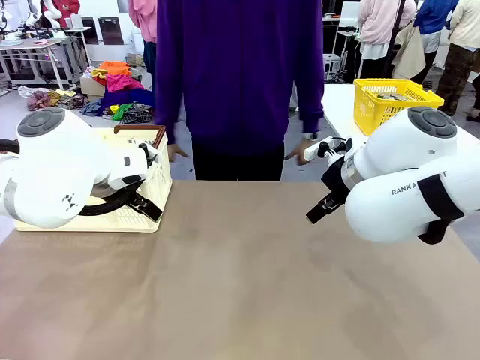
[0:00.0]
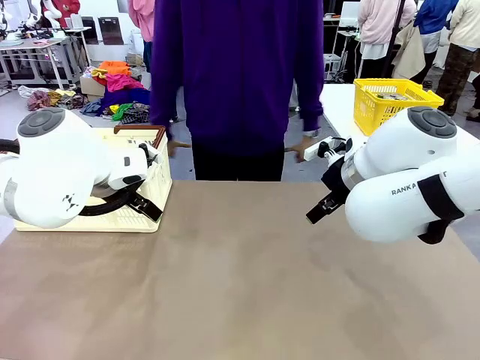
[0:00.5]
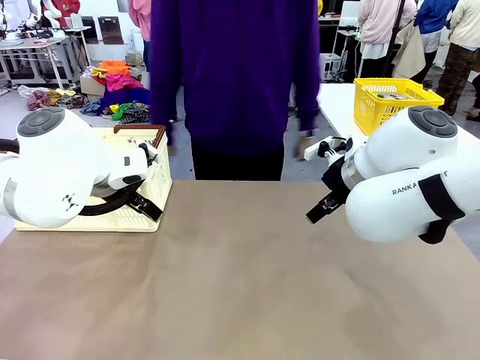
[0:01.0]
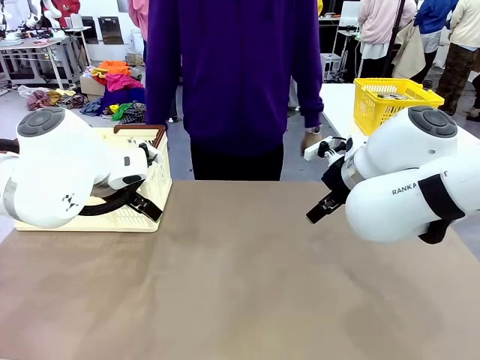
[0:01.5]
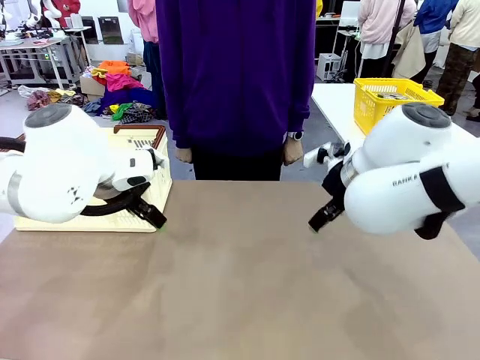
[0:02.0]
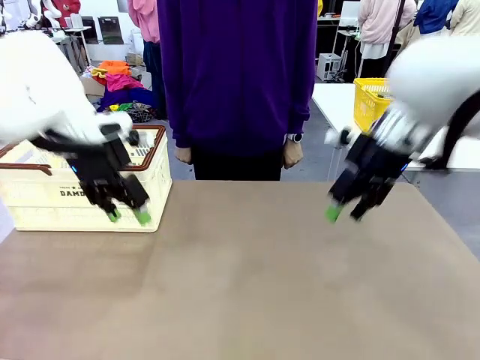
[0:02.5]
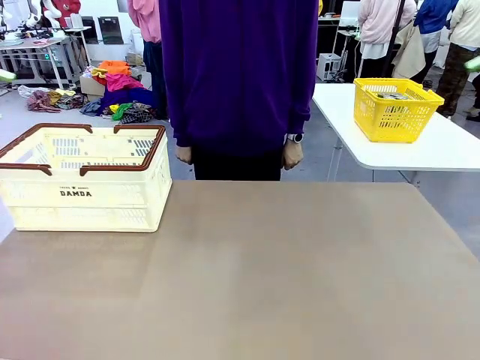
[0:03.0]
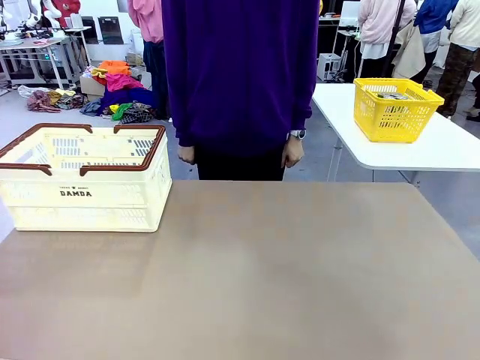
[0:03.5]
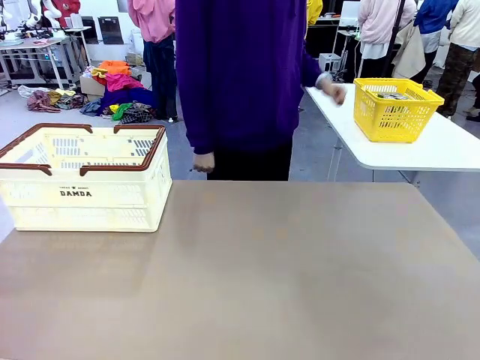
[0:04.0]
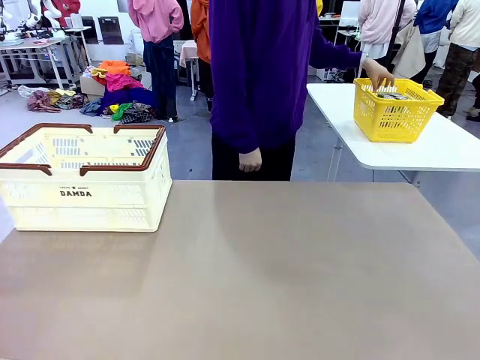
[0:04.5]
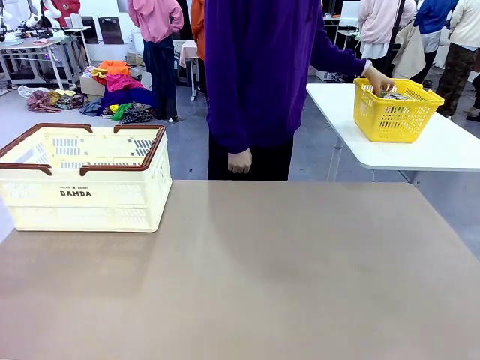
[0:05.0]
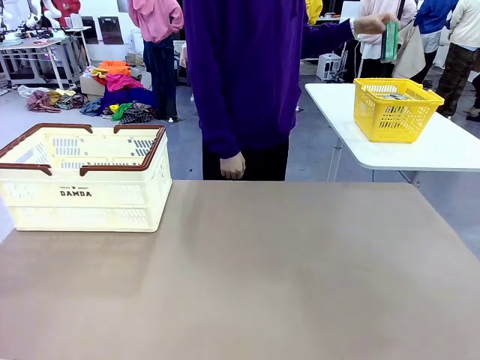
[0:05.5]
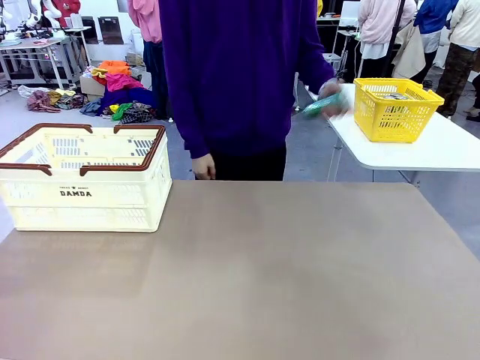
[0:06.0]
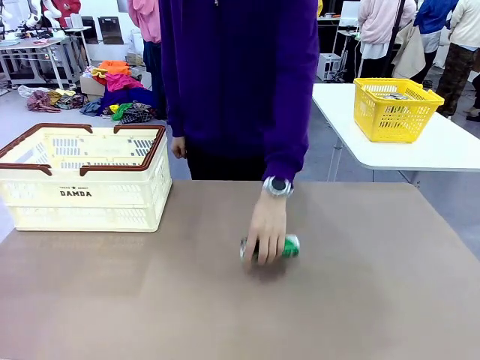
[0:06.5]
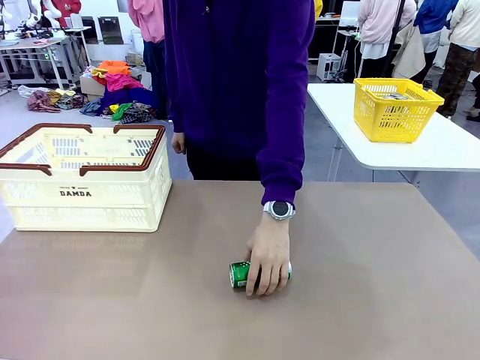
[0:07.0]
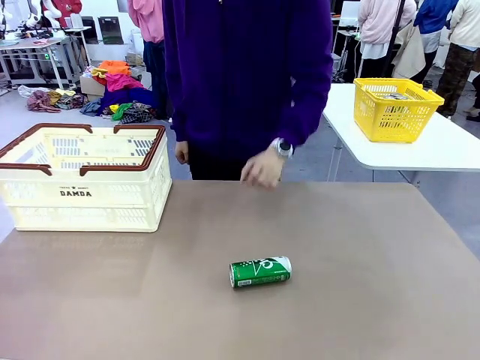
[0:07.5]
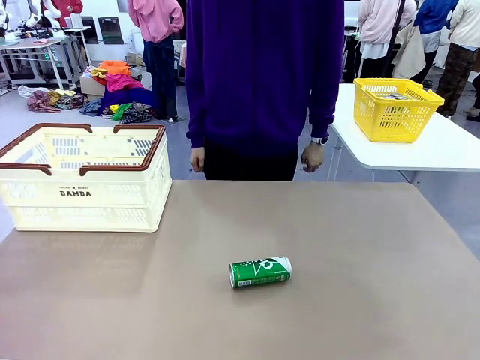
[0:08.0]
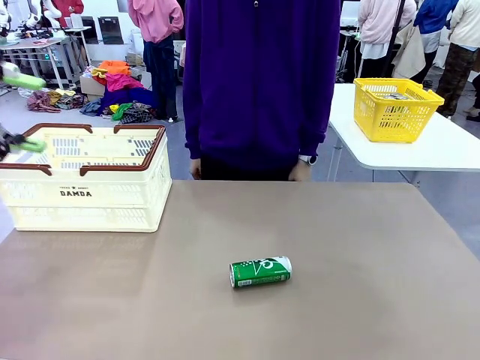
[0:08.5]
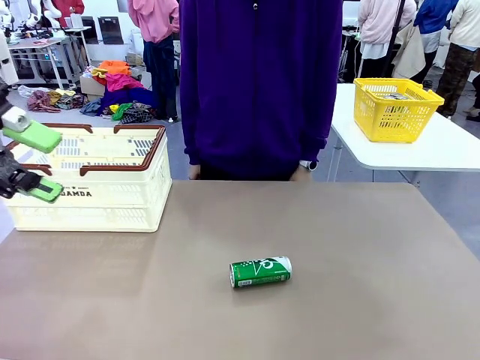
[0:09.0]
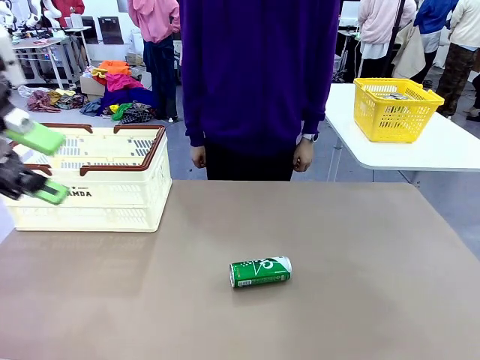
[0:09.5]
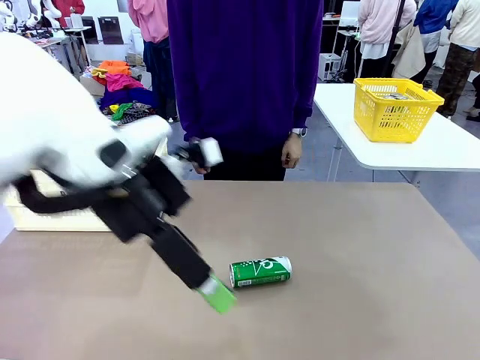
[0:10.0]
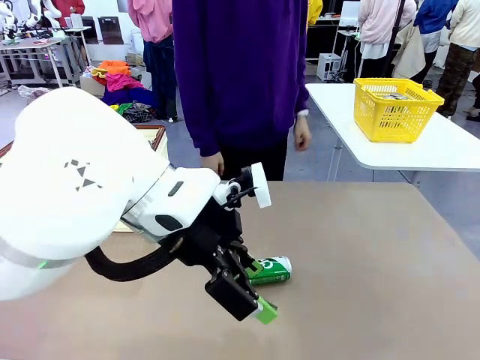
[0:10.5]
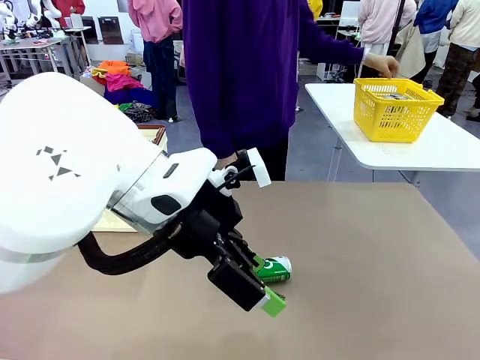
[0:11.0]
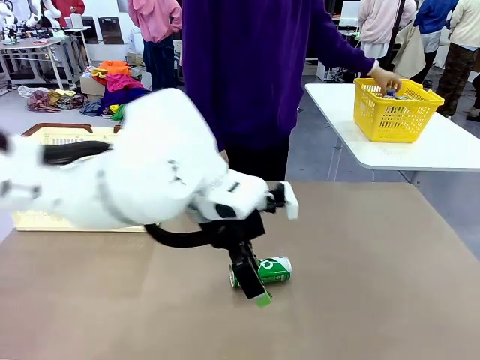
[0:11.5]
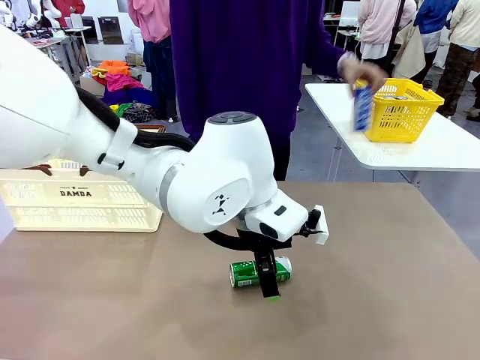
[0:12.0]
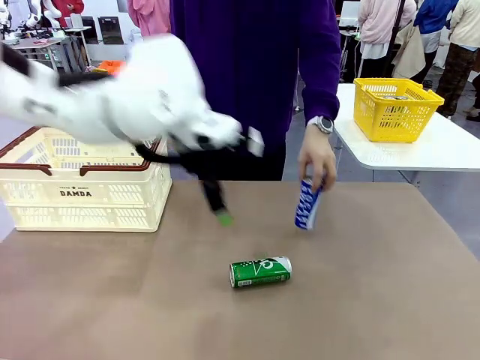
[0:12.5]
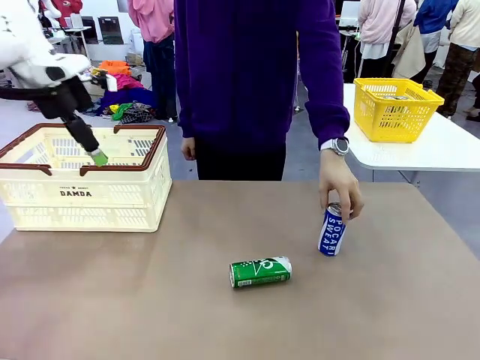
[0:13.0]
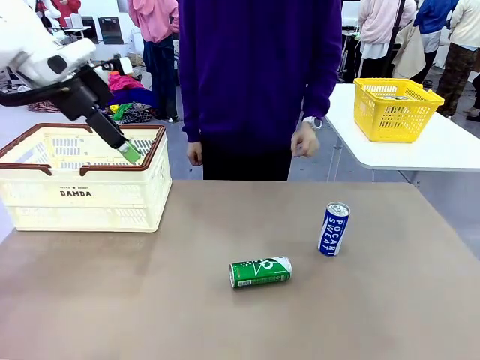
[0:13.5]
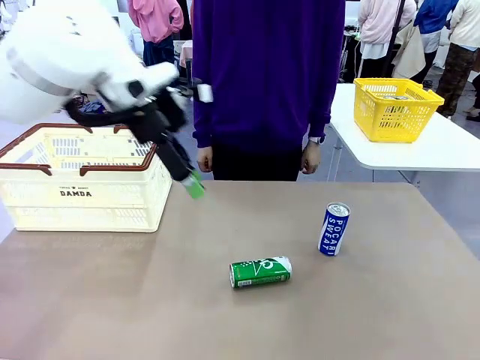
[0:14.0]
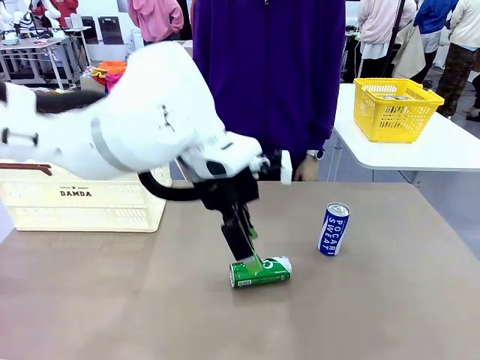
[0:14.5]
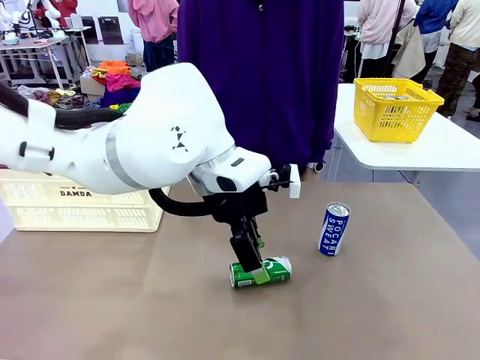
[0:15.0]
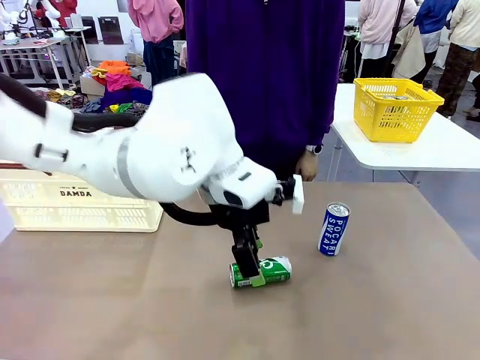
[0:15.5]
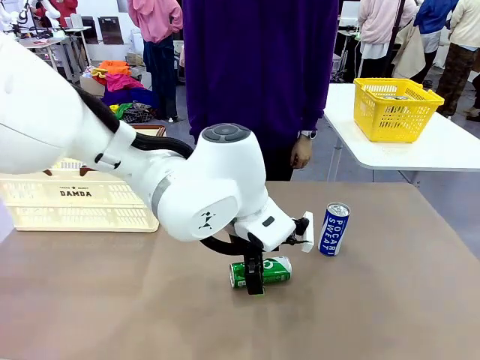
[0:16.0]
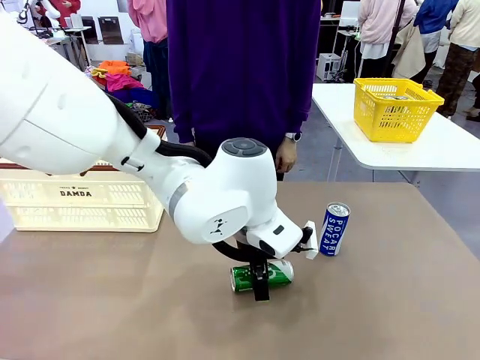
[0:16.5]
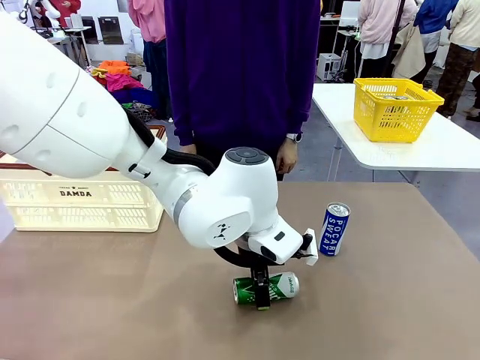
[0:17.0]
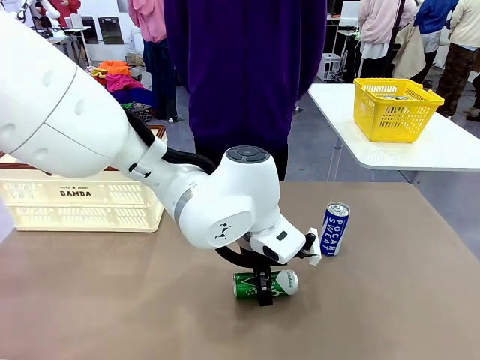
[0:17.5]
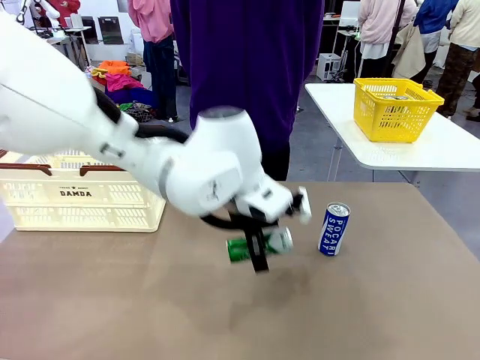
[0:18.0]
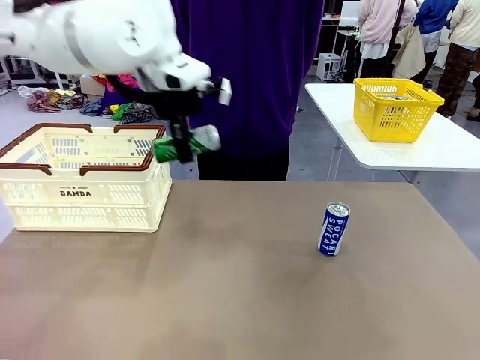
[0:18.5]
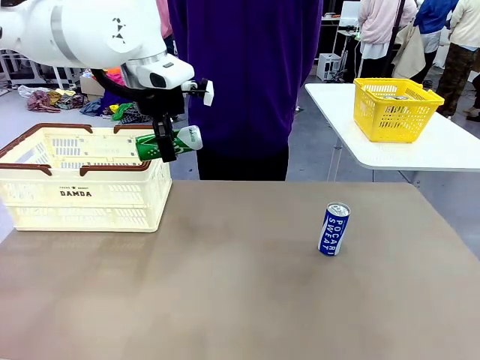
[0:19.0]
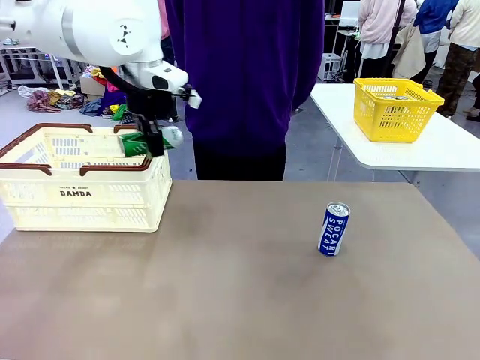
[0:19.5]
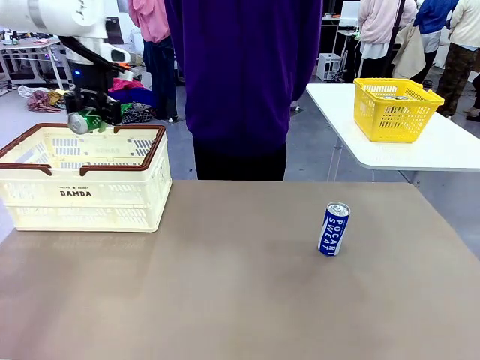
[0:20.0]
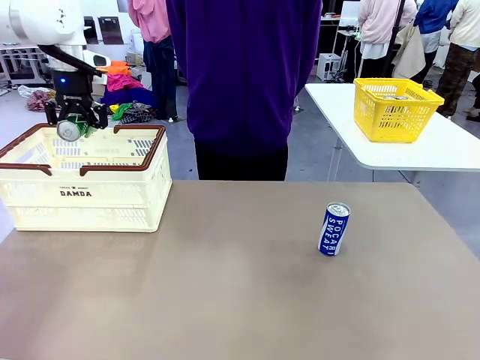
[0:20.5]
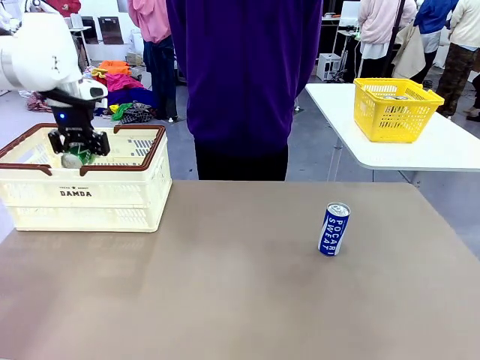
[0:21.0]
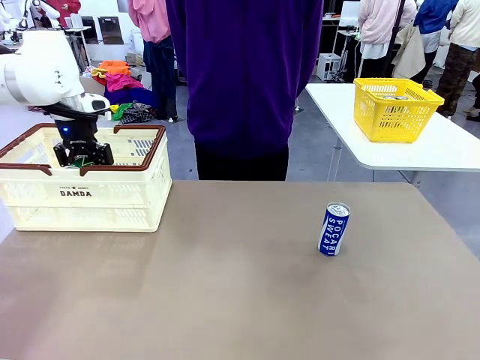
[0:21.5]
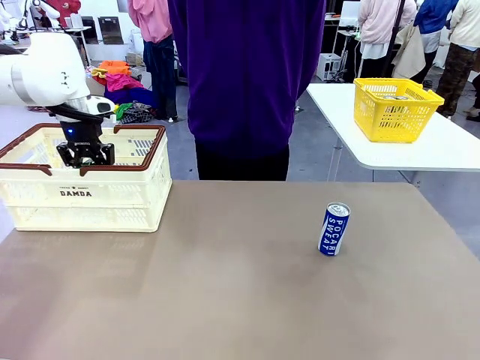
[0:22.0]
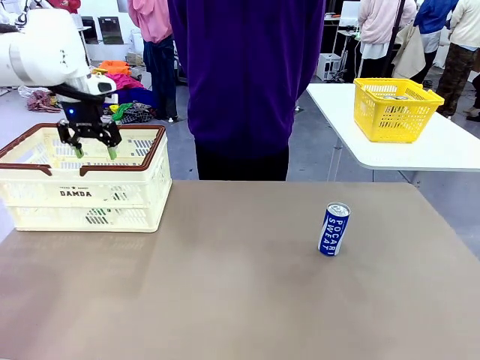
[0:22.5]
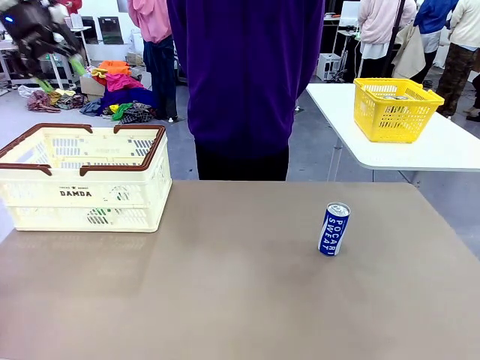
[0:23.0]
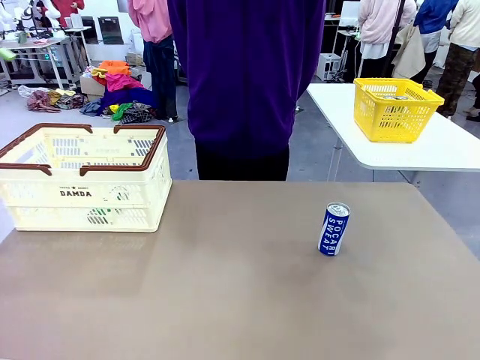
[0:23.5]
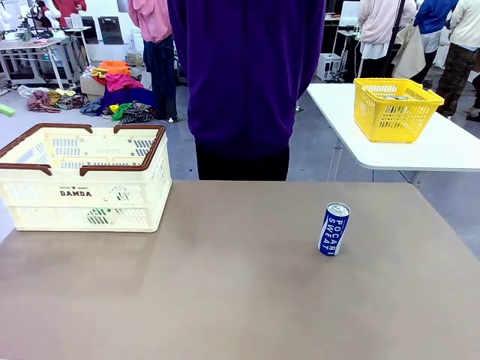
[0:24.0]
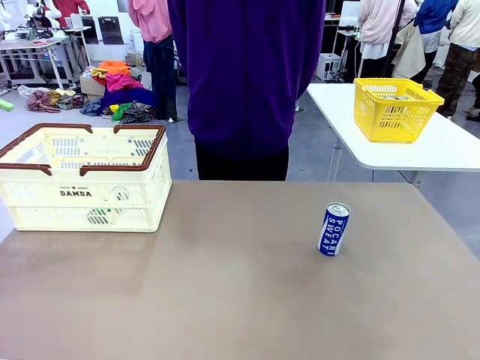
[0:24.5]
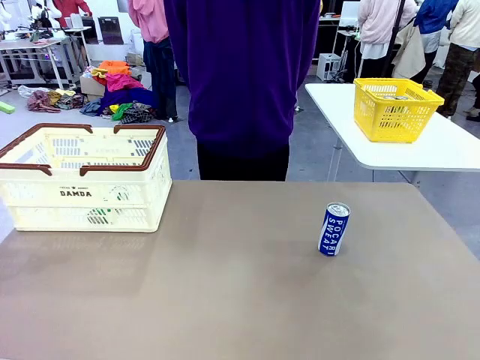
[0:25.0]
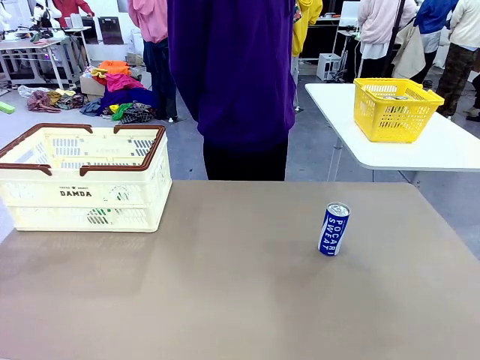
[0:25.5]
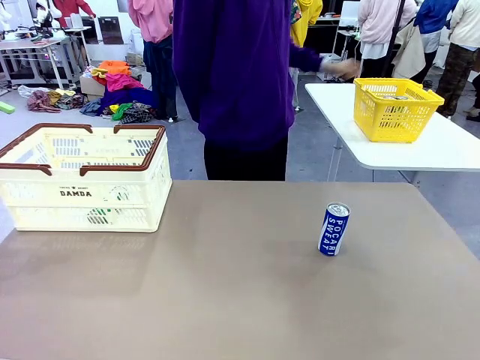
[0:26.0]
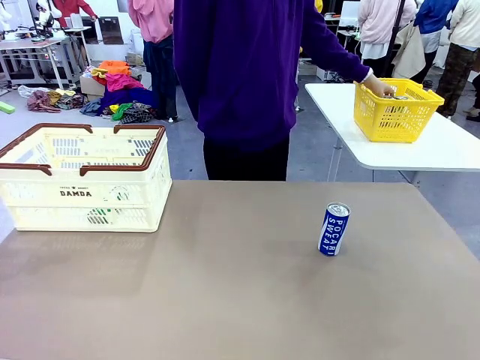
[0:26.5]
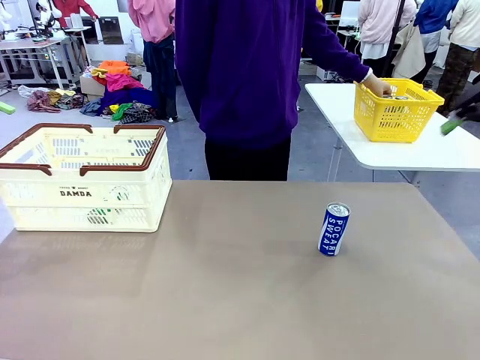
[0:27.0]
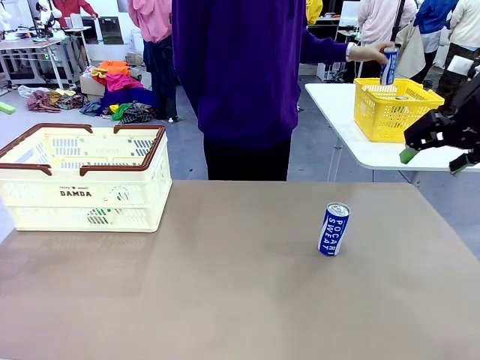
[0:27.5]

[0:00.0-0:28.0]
Task: Place the drinks into the Shopping basket.
Robot: Pick up one drink and place it into the Shopping basket.
